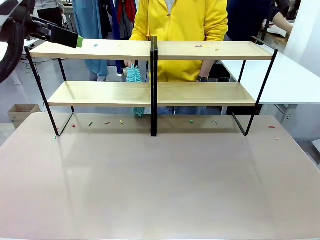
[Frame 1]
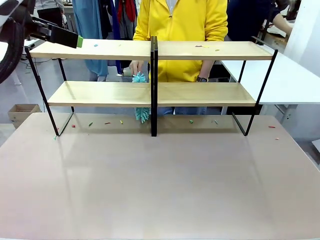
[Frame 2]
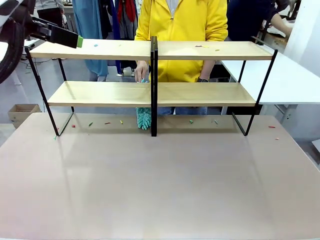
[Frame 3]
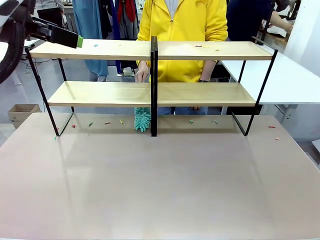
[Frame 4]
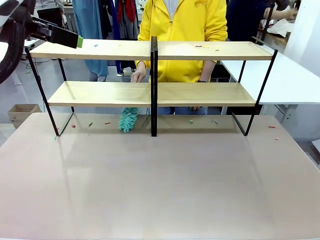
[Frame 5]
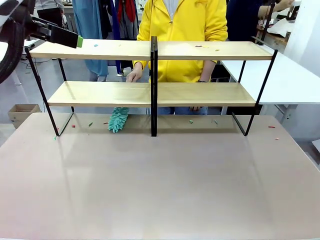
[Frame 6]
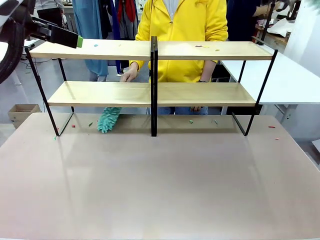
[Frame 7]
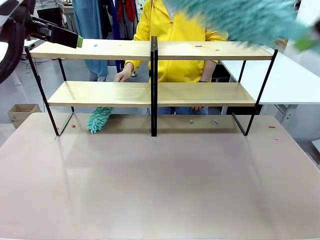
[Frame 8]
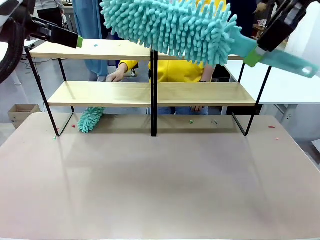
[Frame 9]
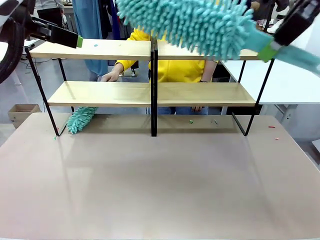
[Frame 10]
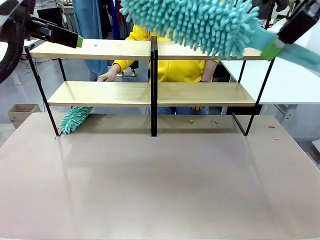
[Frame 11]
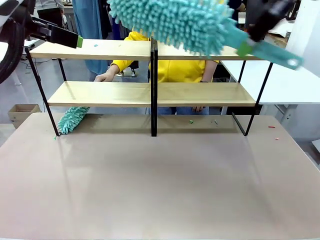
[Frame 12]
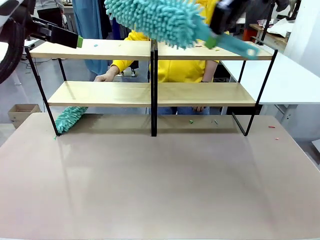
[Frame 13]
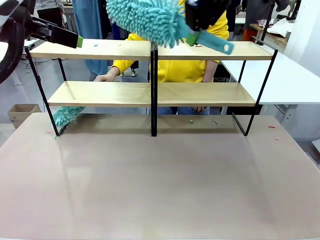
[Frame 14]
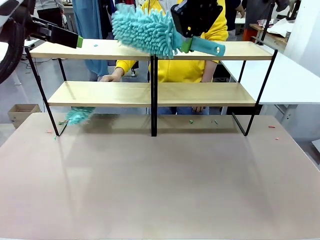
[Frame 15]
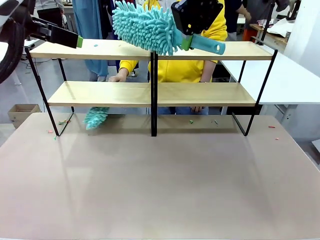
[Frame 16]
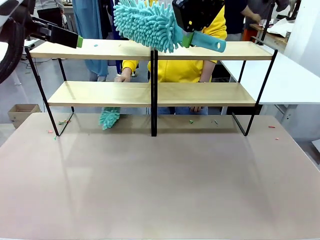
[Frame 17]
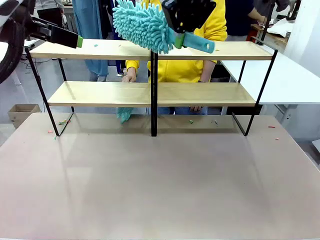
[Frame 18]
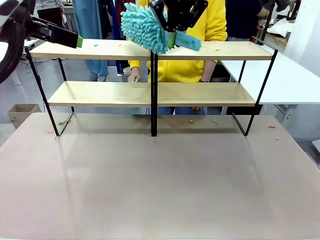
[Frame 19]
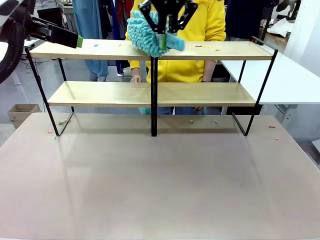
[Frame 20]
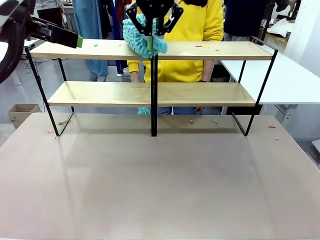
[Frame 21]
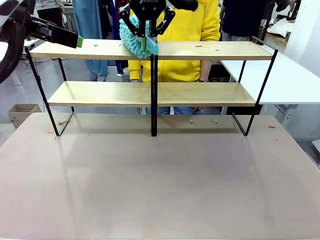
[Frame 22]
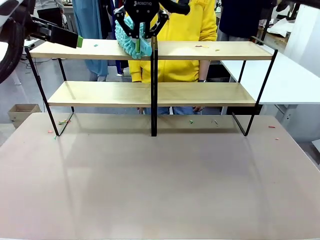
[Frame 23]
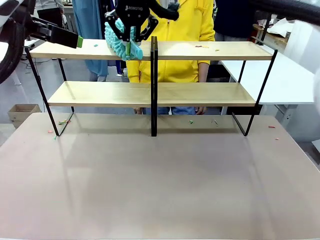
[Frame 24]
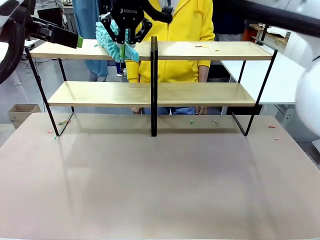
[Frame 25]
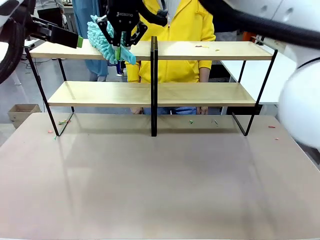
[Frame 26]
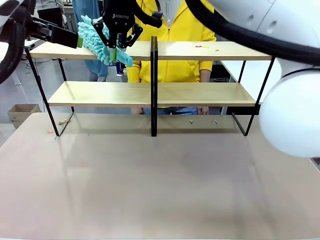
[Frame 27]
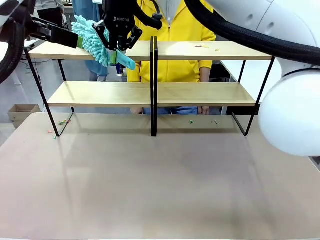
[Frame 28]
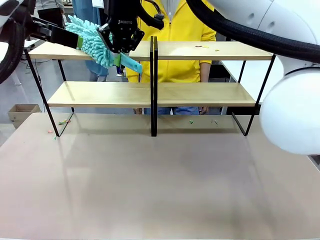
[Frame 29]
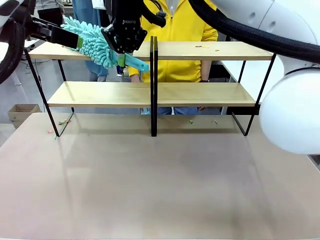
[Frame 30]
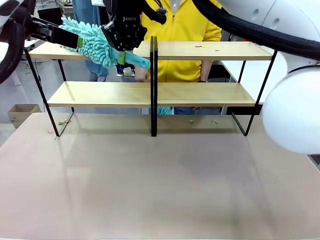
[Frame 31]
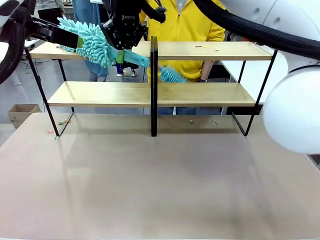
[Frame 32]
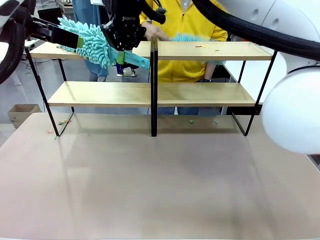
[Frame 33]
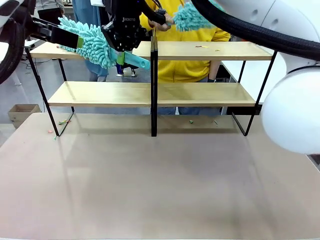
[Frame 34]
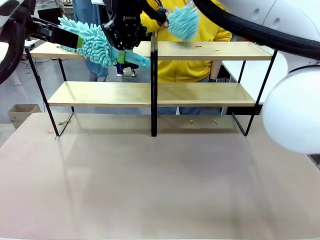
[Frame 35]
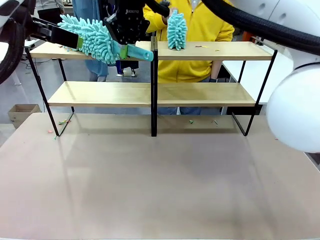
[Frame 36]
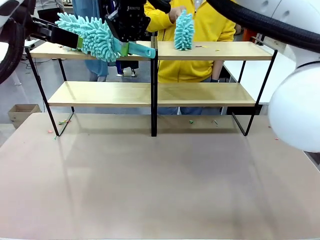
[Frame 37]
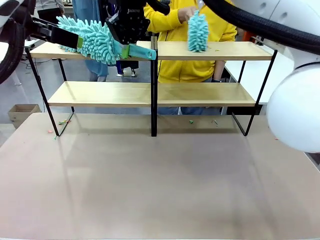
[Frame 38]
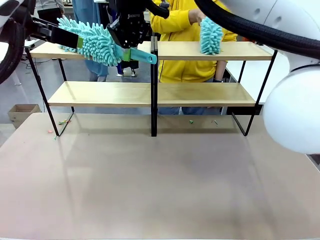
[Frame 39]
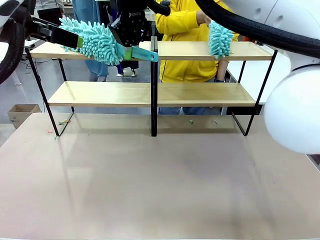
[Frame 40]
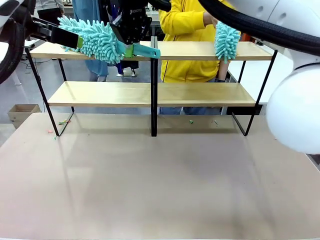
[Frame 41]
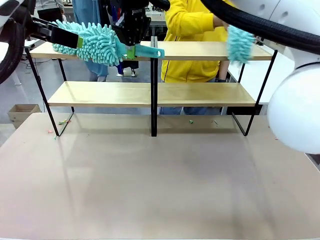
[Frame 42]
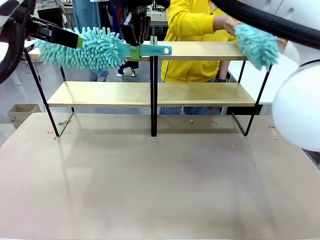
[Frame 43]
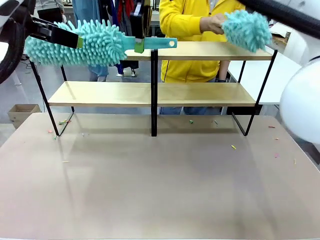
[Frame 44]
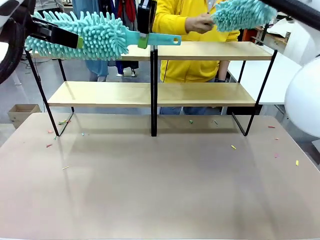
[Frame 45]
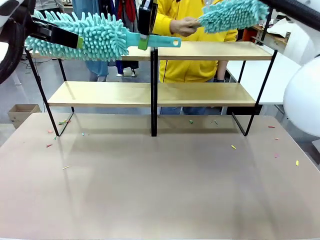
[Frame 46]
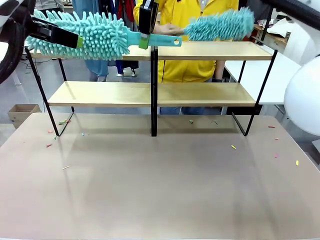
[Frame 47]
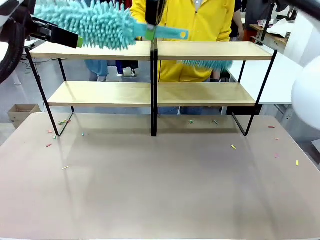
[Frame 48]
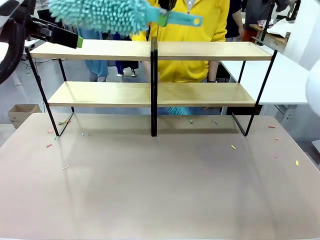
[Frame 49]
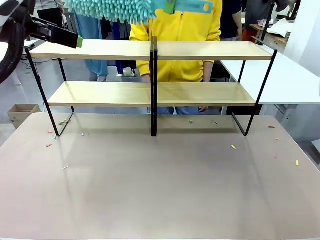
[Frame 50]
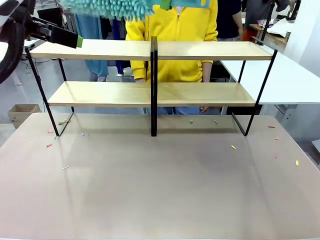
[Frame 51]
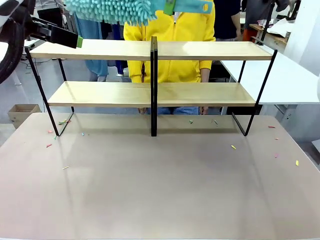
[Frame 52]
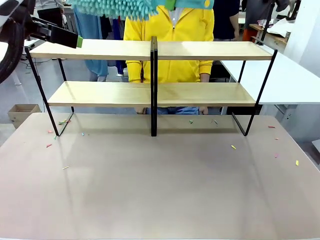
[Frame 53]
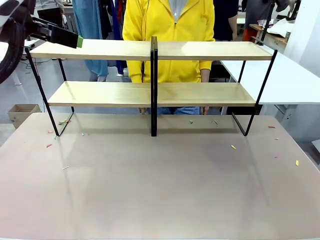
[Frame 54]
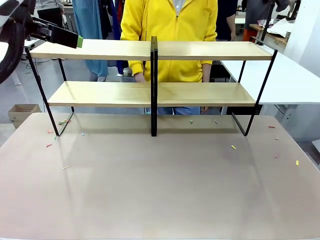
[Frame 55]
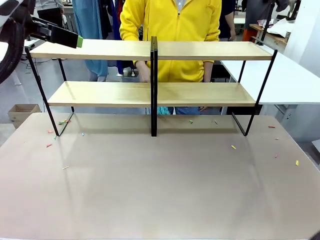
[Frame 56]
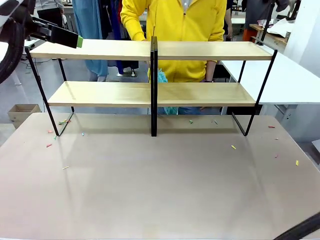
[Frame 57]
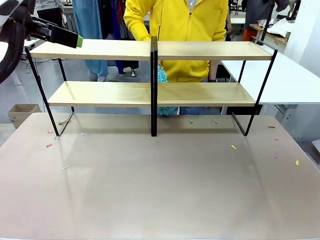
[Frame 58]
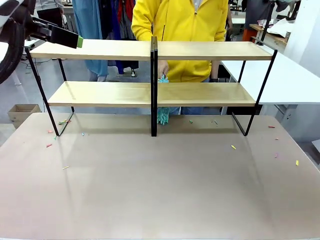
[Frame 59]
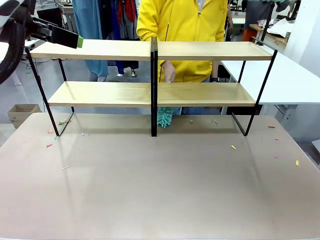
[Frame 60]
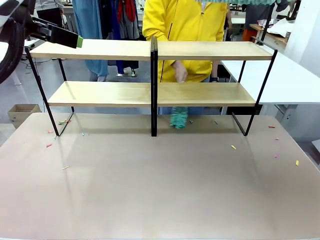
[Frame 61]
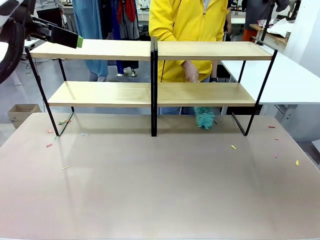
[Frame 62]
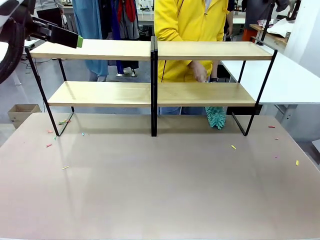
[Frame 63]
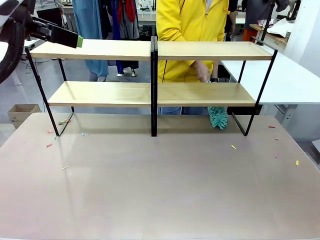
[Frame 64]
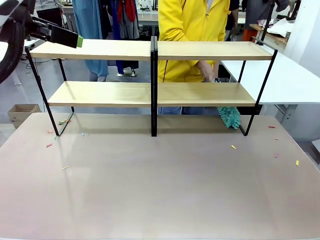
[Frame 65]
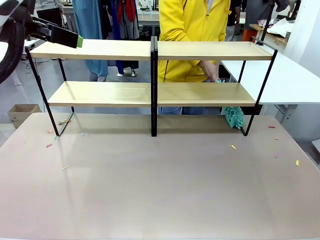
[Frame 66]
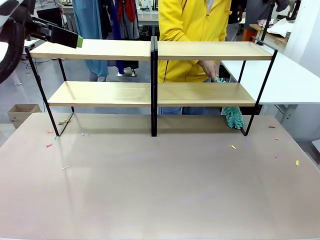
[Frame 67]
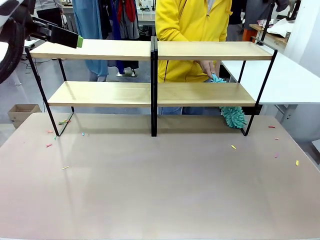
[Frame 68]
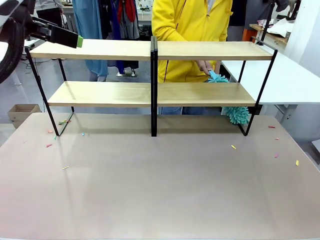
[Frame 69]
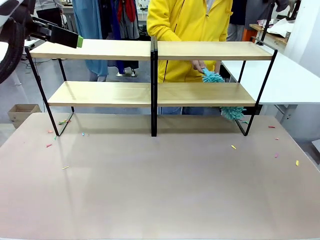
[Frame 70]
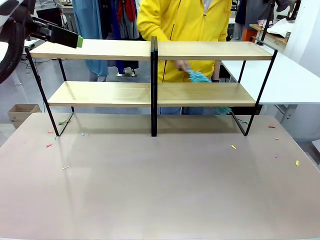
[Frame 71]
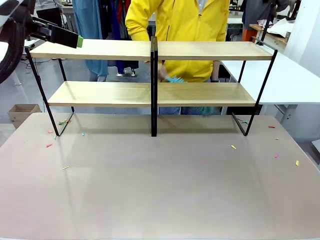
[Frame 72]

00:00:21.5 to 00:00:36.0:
Task: Clean the shelves.
Robot: Clean another randomly selected level of the Shelf with the Duster.

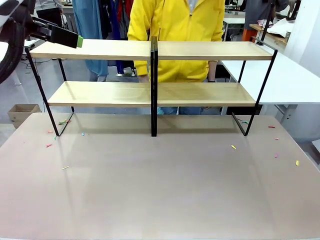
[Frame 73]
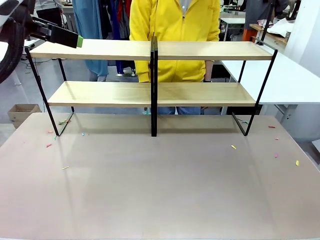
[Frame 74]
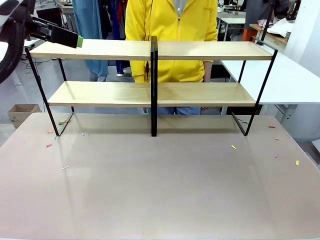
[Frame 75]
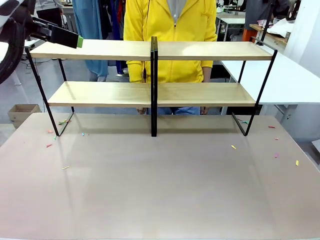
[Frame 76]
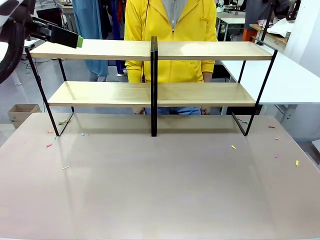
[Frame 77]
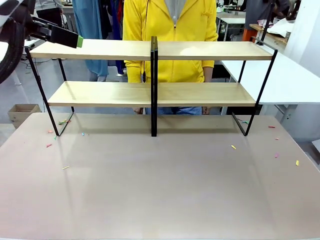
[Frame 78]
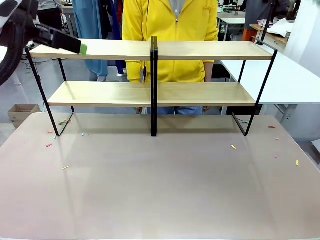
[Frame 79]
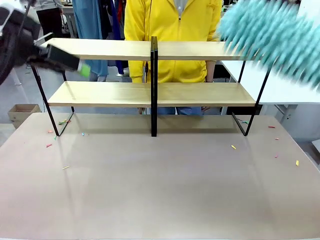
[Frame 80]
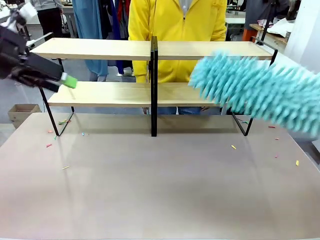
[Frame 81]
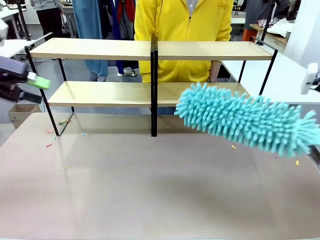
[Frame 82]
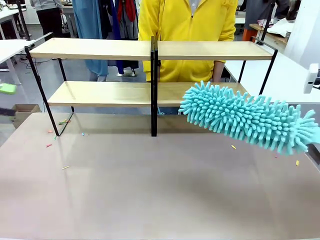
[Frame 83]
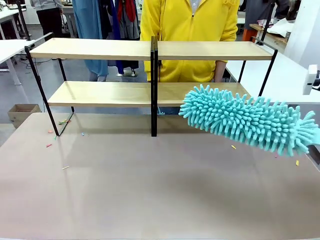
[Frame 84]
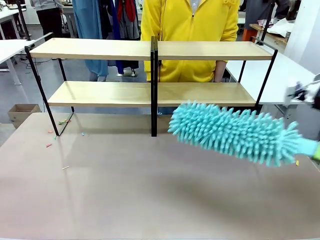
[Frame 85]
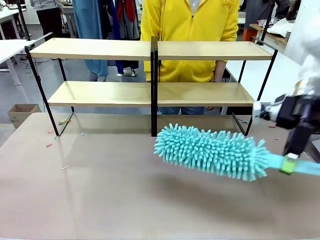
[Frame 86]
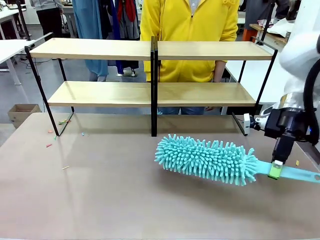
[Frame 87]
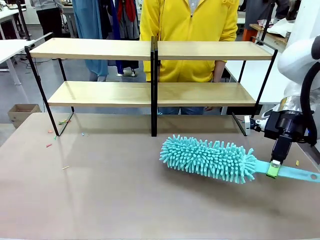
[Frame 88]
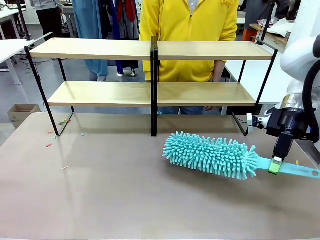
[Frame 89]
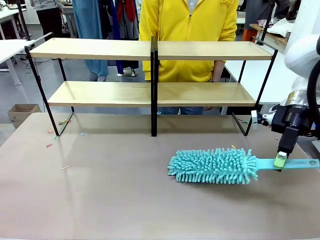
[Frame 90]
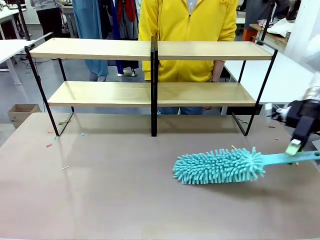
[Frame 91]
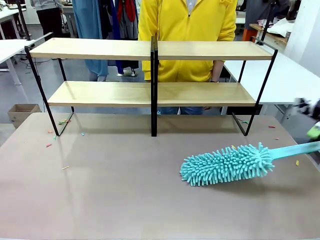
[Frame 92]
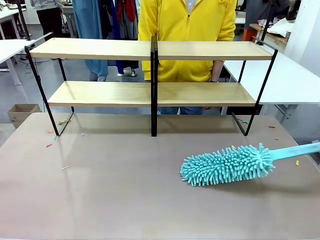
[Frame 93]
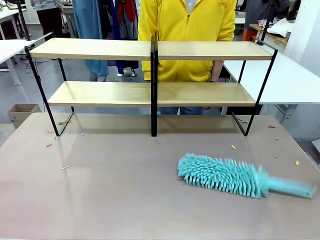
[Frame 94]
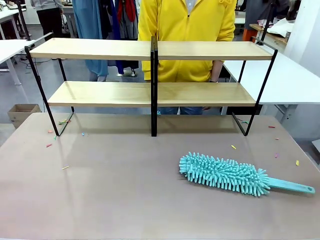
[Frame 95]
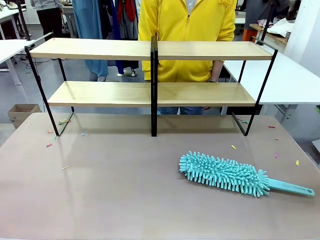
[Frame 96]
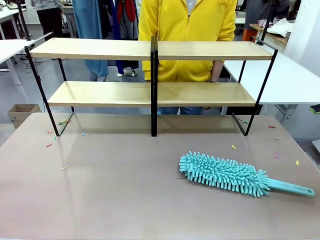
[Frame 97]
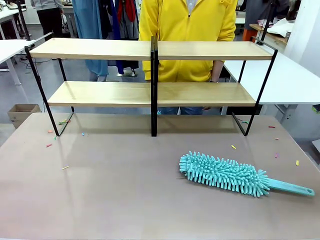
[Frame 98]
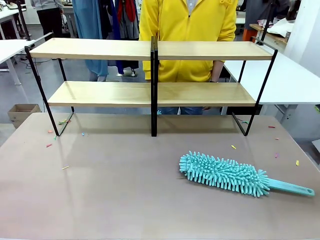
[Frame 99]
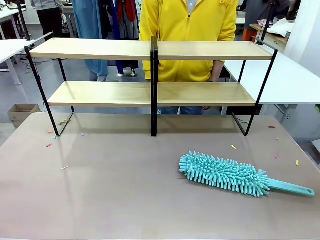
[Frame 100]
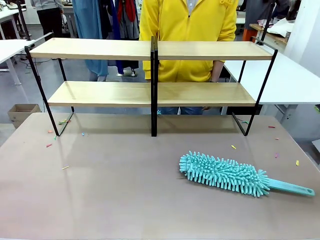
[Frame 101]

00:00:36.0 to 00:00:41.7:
Robot: Place the Duster on the table.
